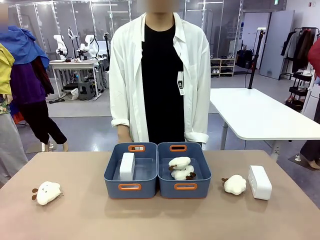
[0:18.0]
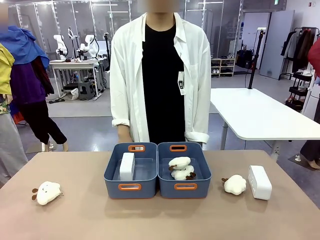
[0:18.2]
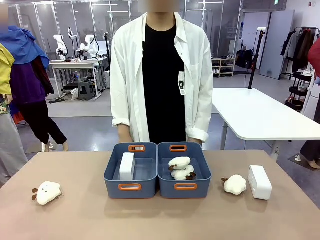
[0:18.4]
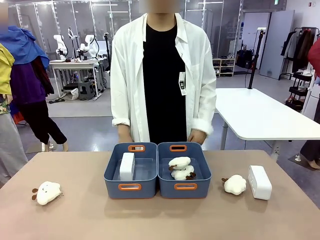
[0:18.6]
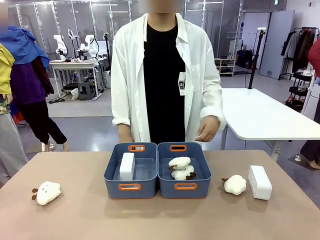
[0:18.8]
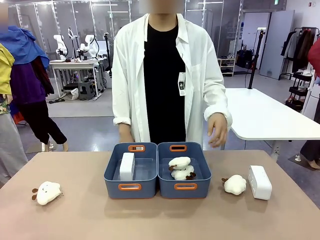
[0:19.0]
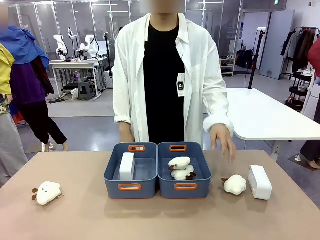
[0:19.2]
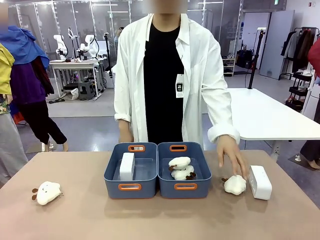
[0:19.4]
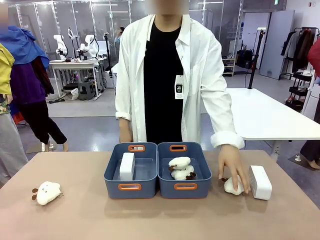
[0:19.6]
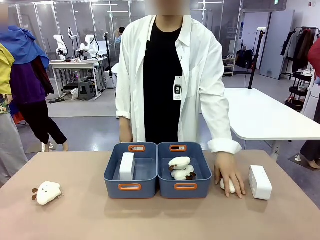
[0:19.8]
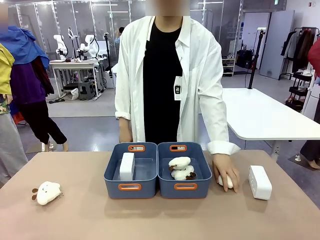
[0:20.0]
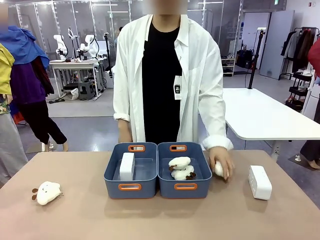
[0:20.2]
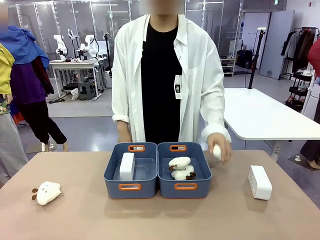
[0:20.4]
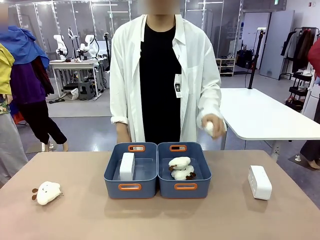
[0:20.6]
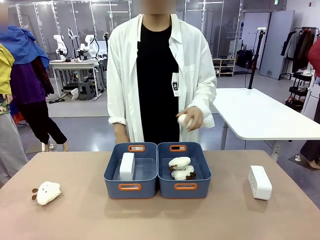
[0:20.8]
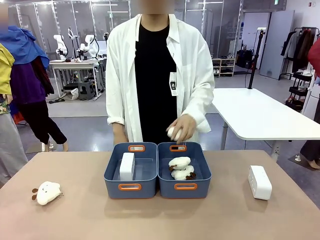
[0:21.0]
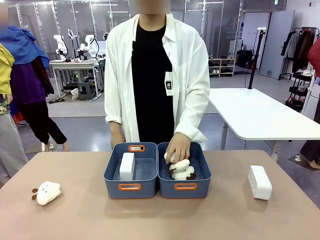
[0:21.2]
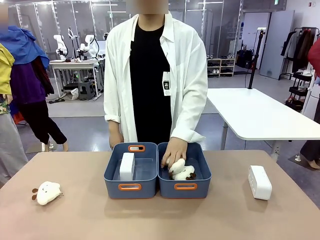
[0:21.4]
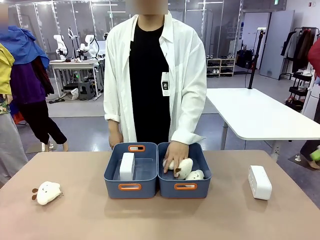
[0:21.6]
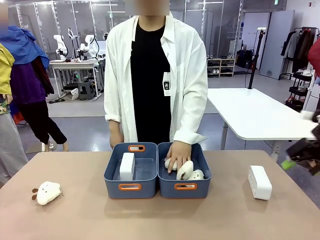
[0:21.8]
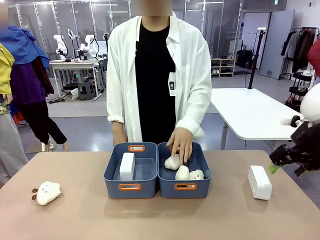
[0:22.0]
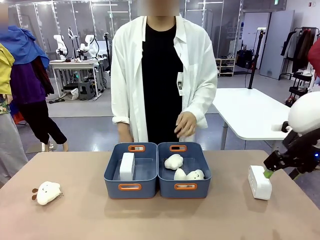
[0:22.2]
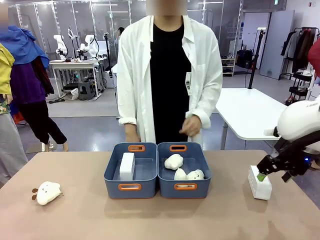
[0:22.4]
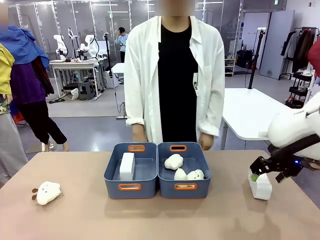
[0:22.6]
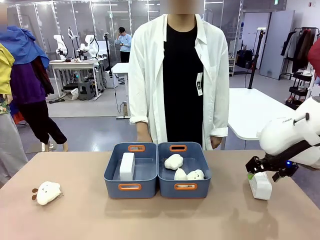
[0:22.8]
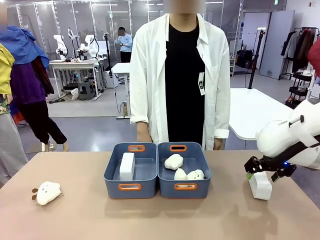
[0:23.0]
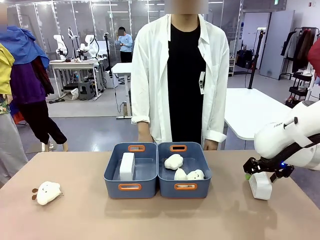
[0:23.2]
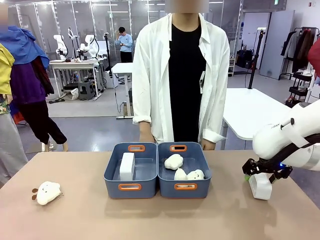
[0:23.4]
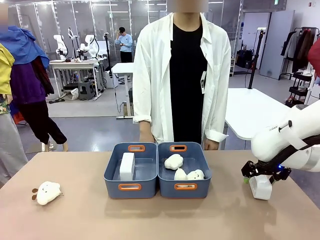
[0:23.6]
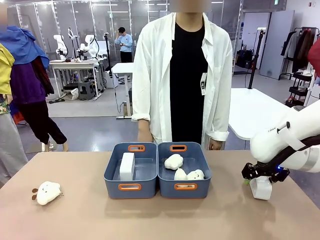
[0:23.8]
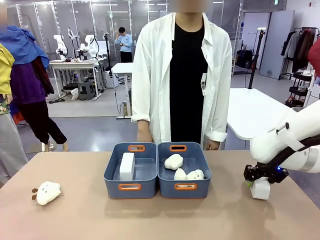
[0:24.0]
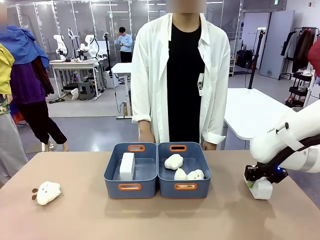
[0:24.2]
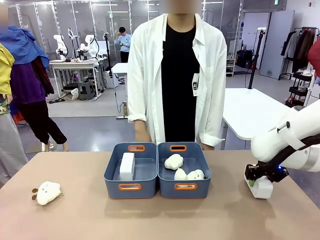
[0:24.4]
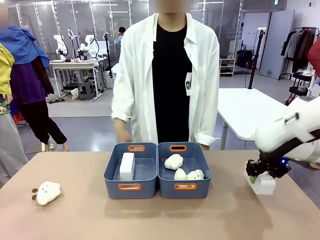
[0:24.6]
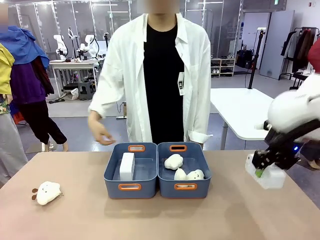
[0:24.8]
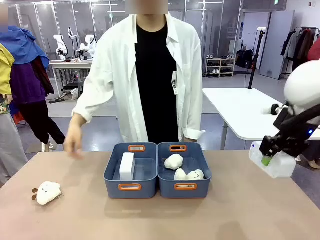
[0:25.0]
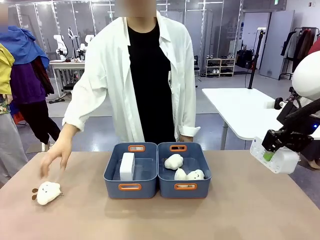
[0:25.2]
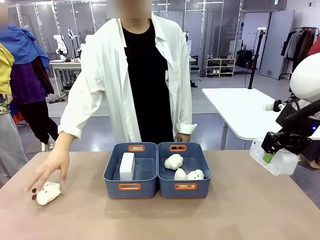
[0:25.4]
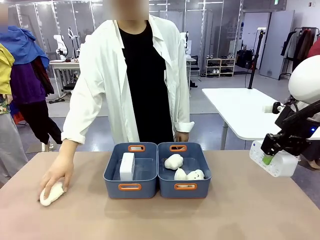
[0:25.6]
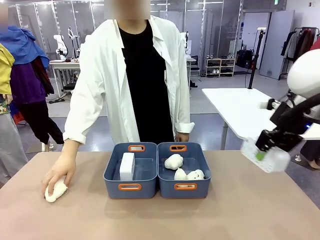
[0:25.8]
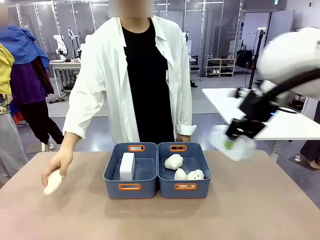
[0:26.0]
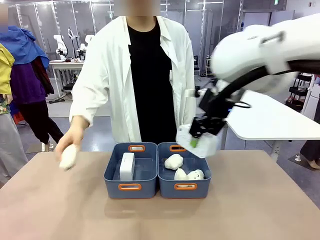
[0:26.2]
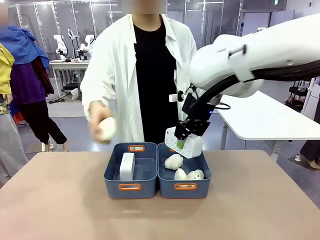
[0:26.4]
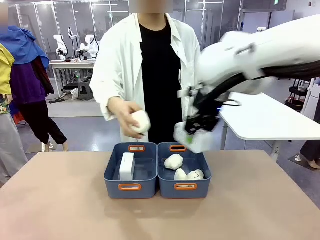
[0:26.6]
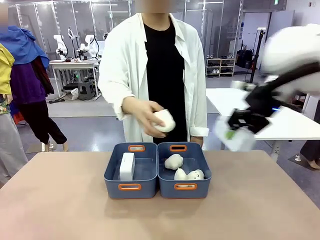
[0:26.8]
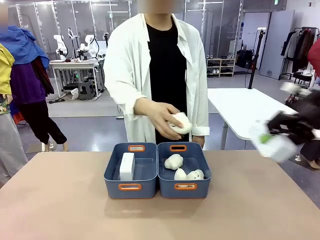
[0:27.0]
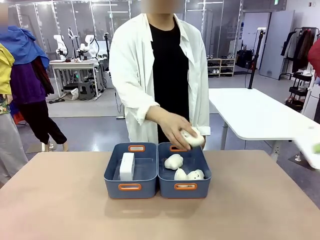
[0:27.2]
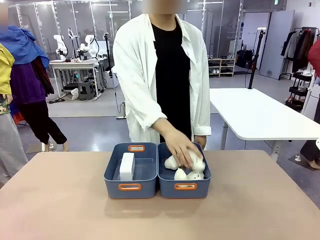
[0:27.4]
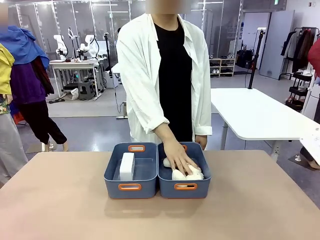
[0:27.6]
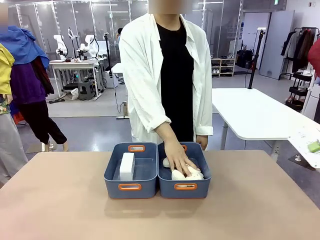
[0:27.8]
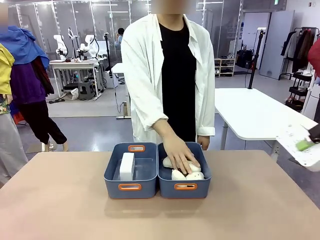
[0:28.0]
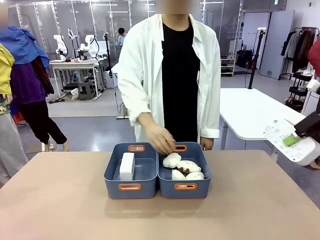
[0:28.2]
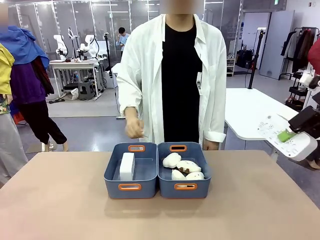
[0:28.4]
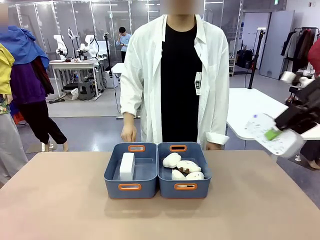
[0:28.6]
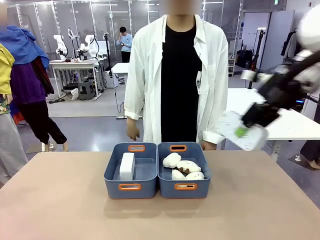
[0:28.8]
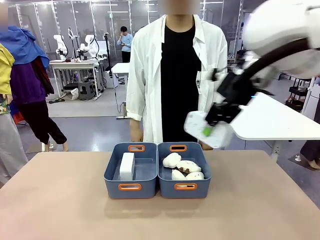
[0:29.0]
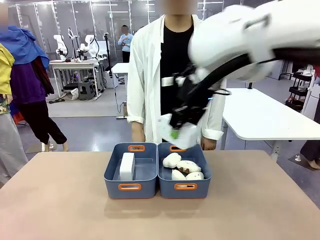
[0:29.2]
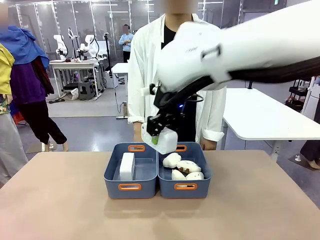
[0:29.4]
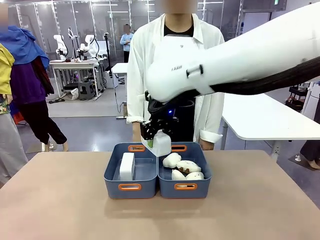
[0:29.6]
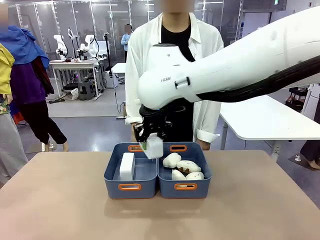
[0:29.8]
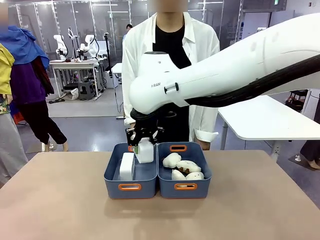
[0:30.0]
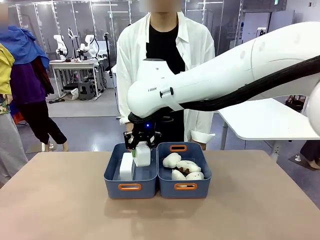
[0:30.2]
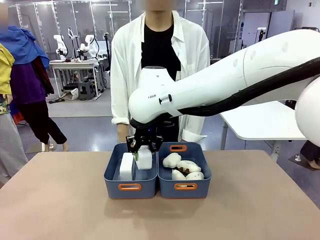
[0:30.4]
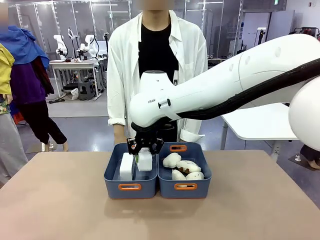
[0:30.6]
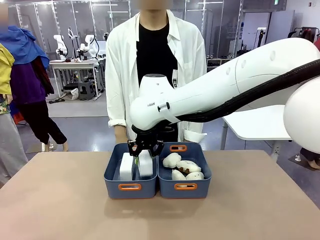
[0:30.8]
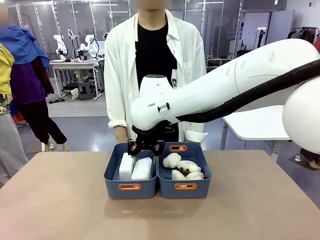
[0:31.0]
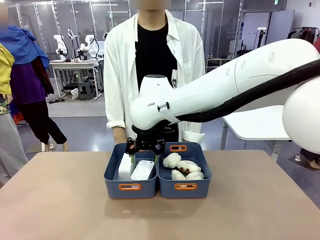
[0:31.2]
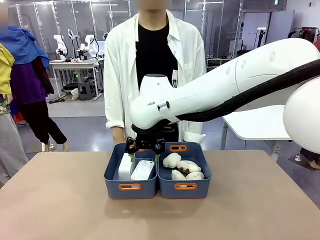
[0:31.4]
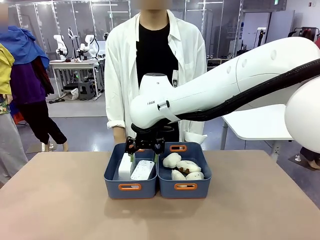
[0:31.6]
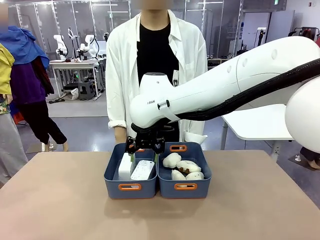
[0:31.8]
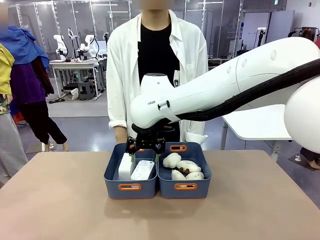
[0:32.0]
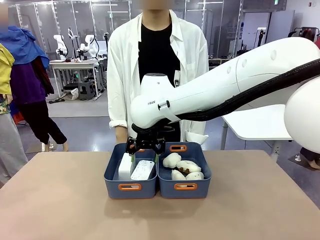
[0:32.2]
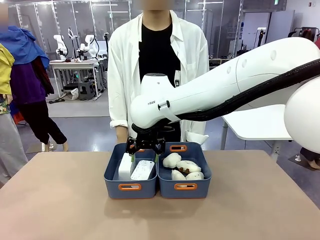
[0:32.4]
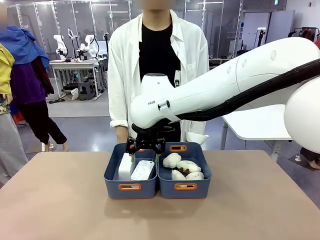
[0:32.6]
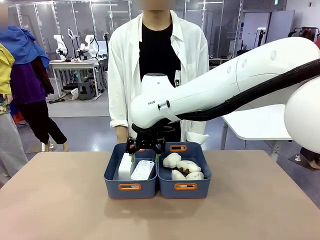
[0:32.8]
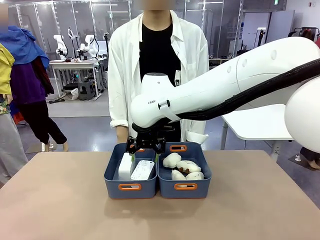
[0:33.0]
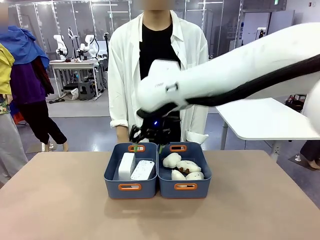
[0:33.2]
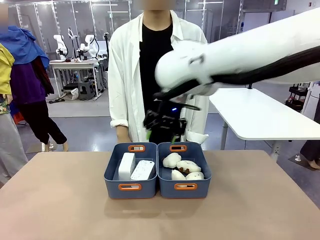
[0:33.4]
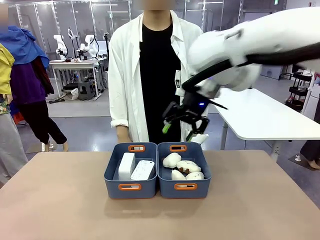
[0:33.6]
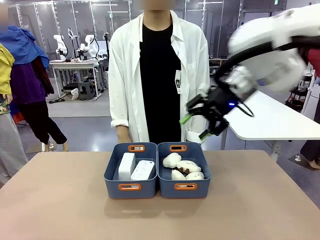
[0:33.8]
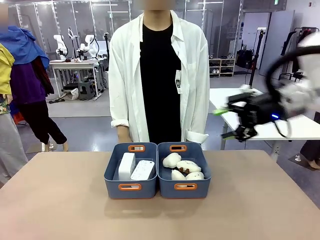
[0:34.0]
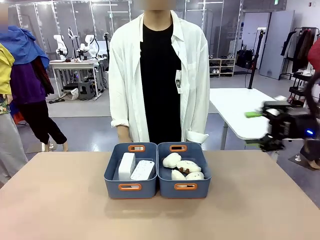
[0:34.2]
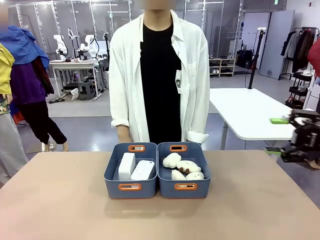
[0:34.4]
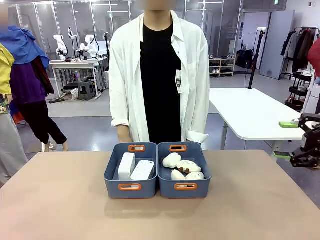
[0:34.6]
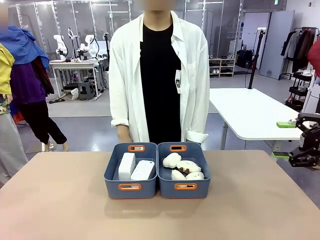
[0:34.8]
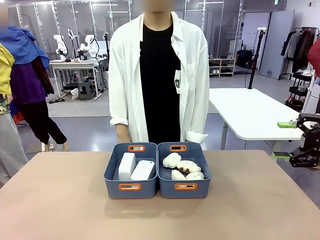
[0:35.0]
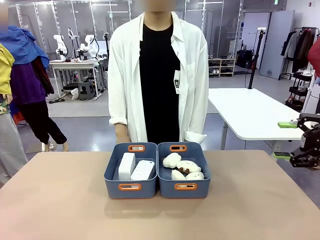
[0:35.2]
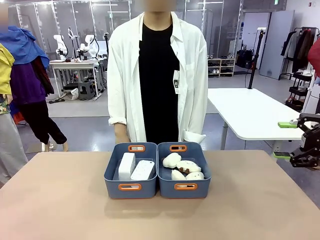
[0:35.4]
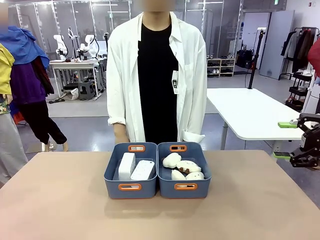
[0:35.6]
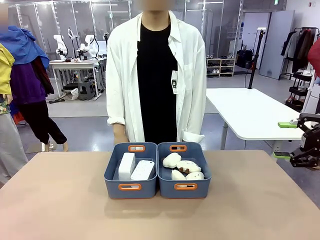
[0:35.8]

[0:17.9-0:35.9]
Task: Sort the digital clocks into the basket.
Robot: Pick up the Digital clock from the table and place it into the empty Plastic storage basket.
Person: Pick up a plush toy from the table and place it in the plastic storage basket containing the plush toy.
